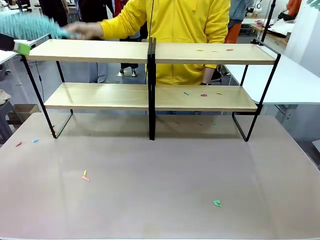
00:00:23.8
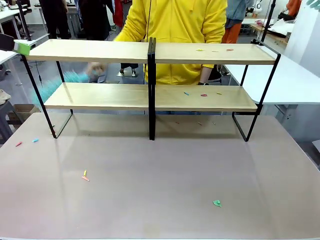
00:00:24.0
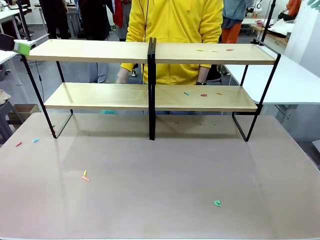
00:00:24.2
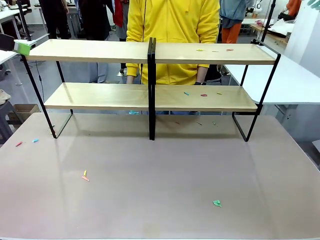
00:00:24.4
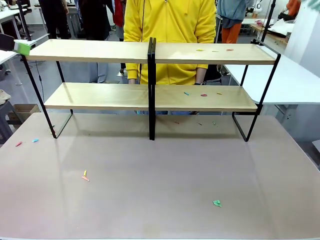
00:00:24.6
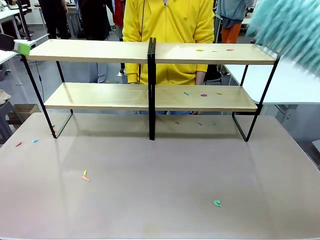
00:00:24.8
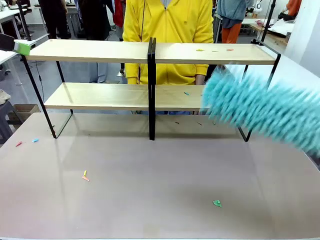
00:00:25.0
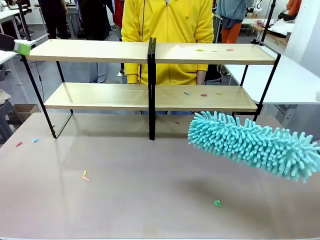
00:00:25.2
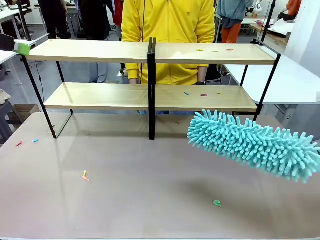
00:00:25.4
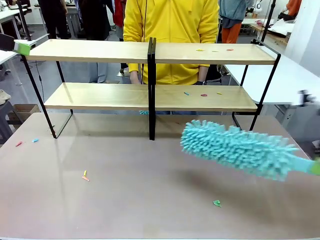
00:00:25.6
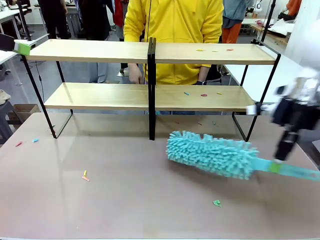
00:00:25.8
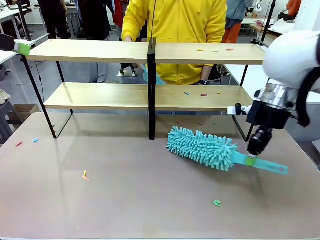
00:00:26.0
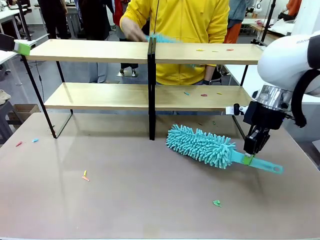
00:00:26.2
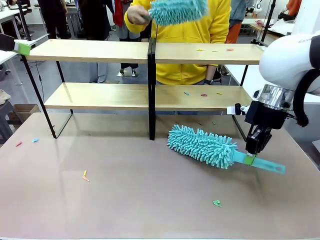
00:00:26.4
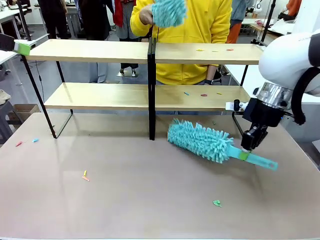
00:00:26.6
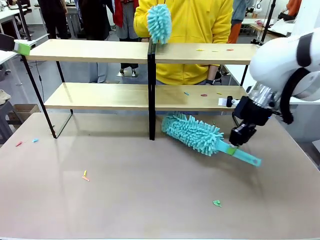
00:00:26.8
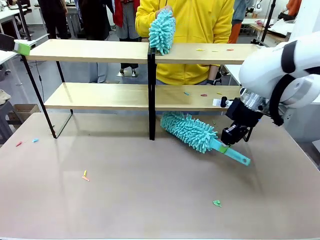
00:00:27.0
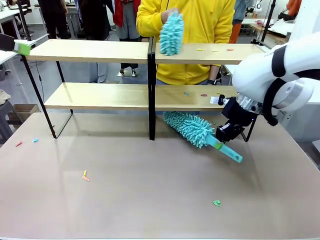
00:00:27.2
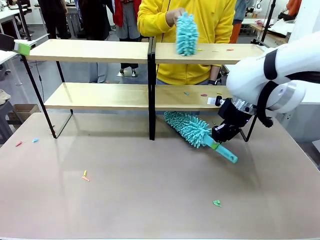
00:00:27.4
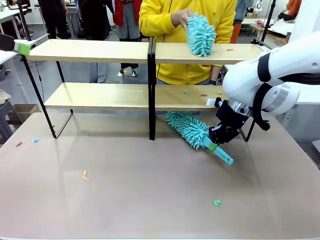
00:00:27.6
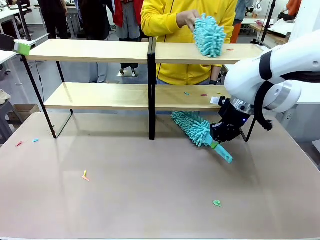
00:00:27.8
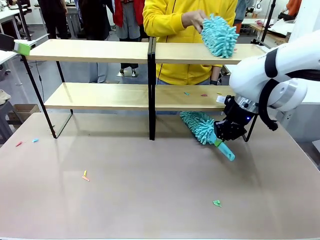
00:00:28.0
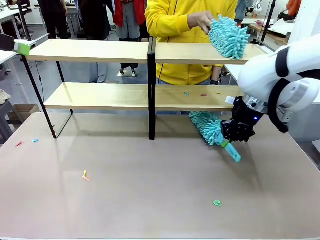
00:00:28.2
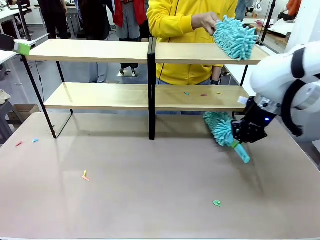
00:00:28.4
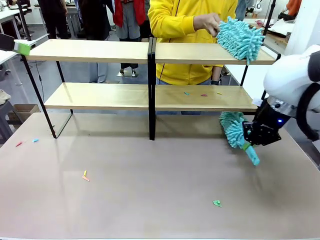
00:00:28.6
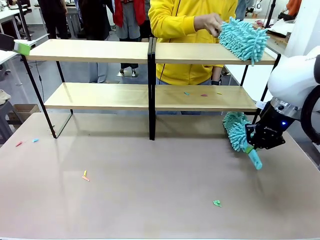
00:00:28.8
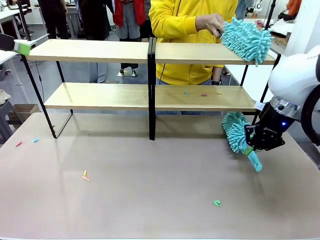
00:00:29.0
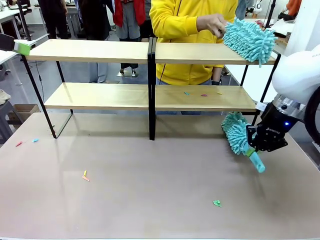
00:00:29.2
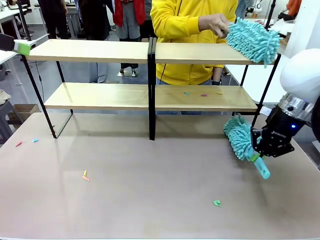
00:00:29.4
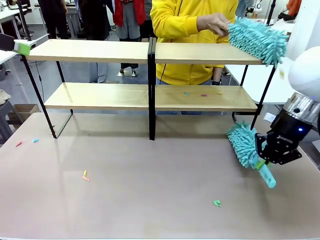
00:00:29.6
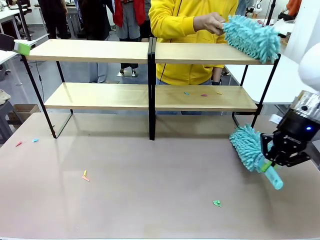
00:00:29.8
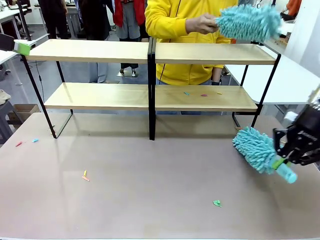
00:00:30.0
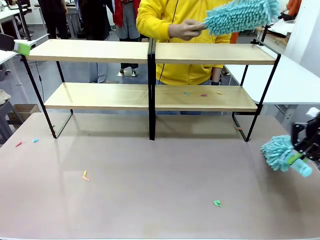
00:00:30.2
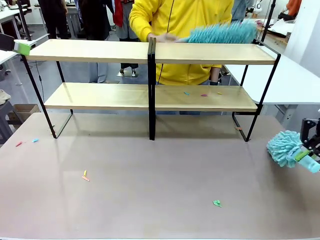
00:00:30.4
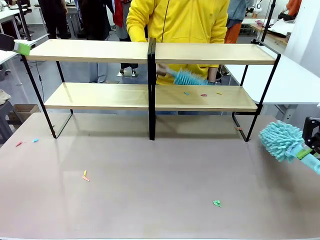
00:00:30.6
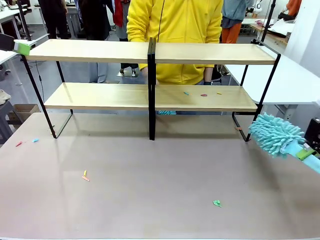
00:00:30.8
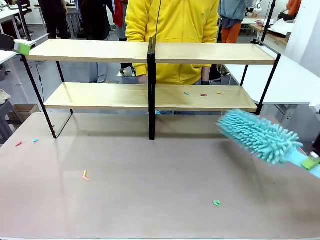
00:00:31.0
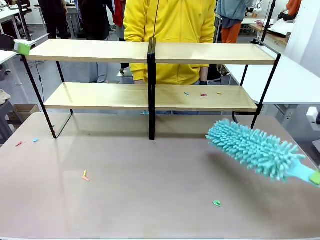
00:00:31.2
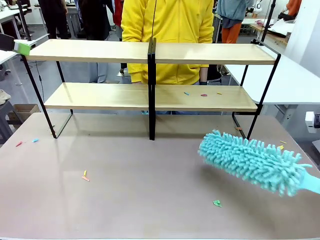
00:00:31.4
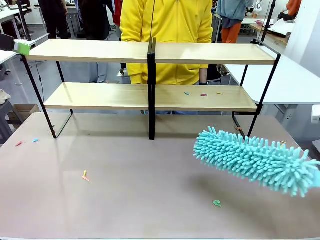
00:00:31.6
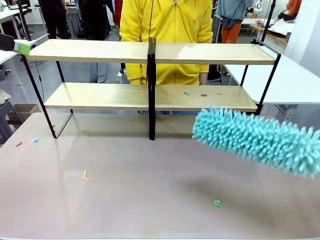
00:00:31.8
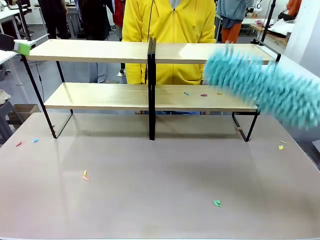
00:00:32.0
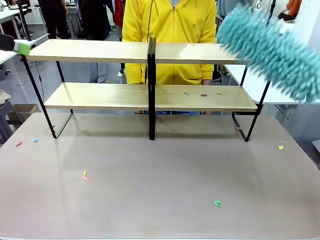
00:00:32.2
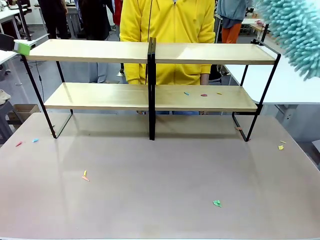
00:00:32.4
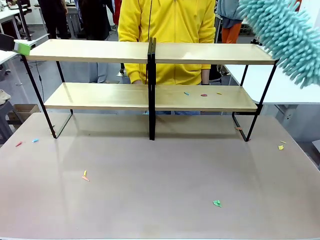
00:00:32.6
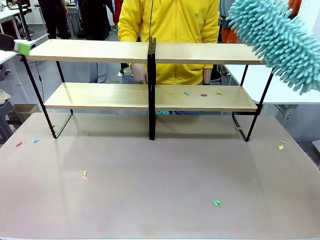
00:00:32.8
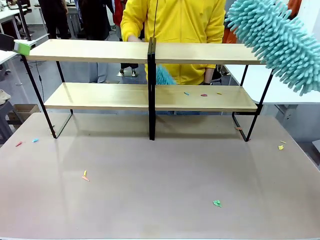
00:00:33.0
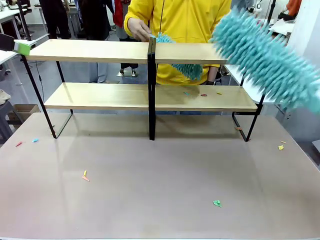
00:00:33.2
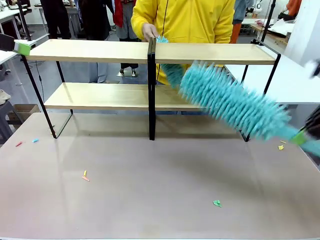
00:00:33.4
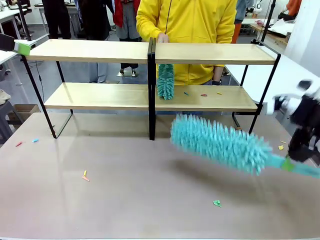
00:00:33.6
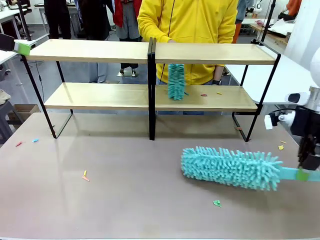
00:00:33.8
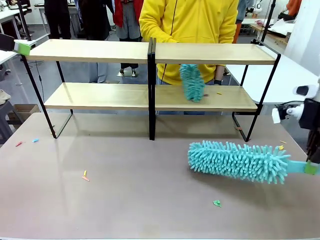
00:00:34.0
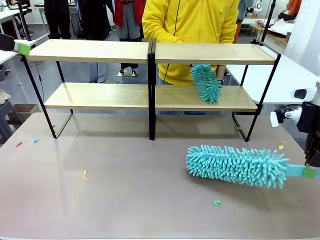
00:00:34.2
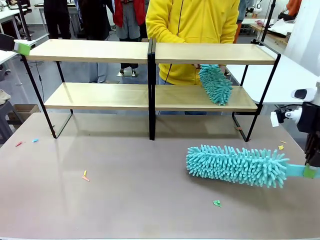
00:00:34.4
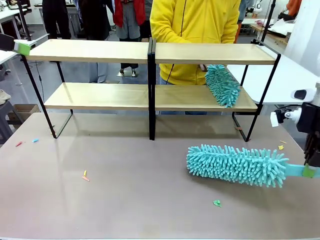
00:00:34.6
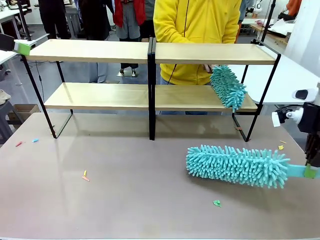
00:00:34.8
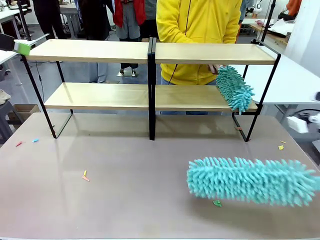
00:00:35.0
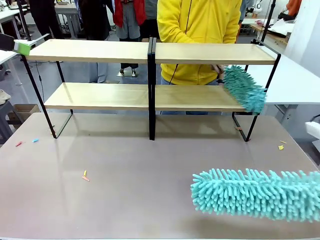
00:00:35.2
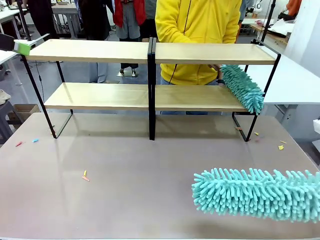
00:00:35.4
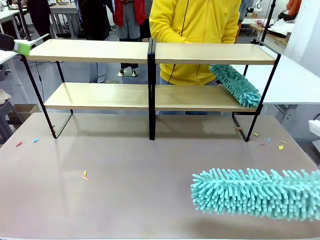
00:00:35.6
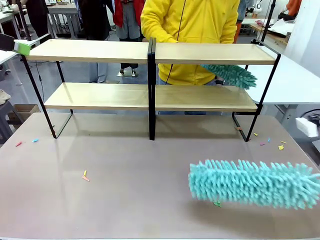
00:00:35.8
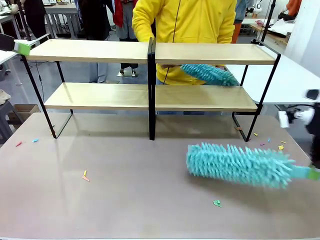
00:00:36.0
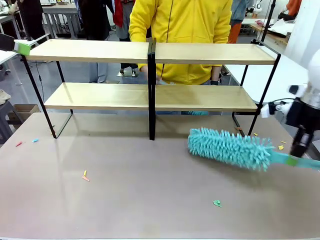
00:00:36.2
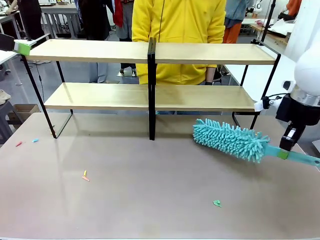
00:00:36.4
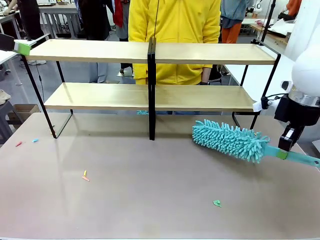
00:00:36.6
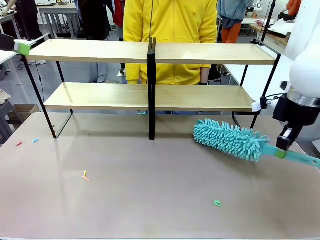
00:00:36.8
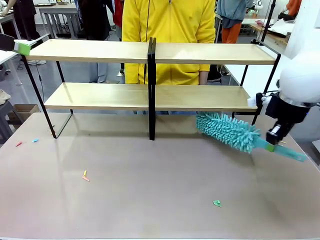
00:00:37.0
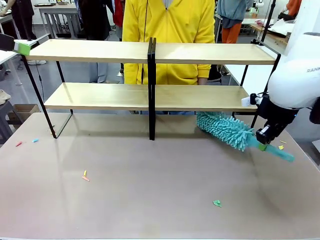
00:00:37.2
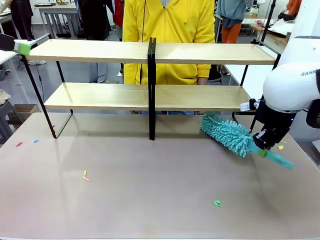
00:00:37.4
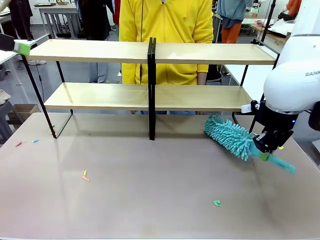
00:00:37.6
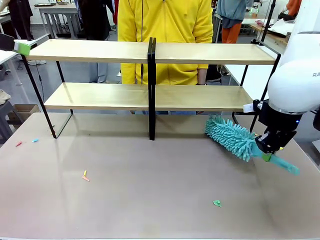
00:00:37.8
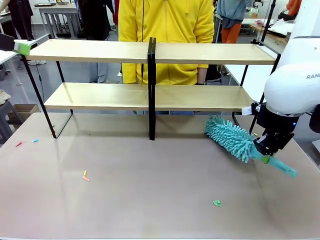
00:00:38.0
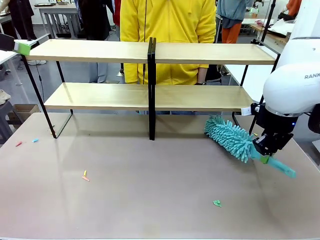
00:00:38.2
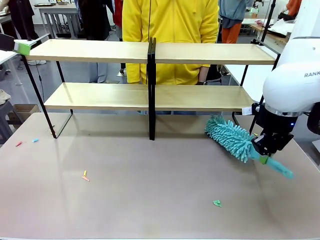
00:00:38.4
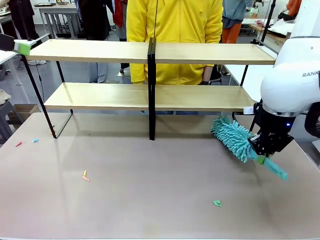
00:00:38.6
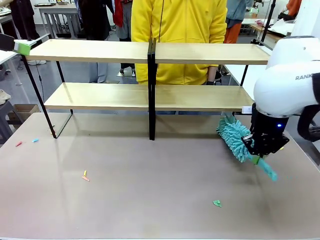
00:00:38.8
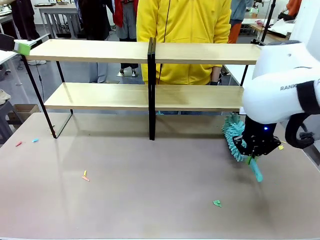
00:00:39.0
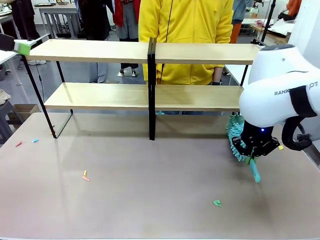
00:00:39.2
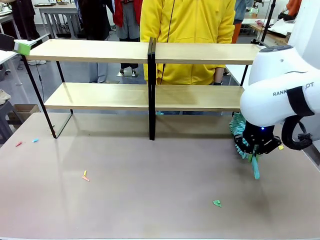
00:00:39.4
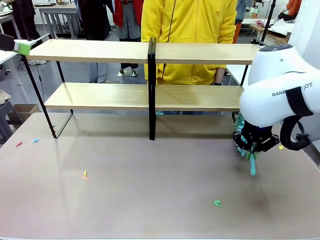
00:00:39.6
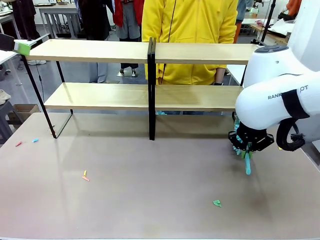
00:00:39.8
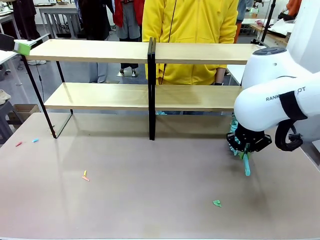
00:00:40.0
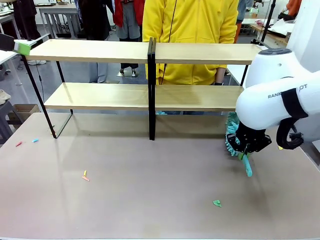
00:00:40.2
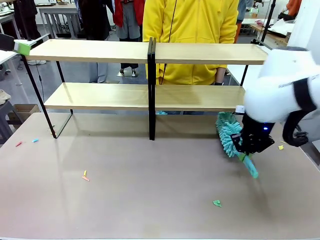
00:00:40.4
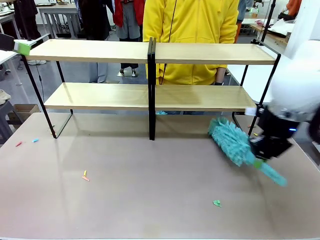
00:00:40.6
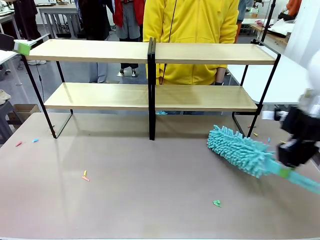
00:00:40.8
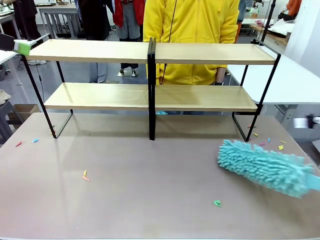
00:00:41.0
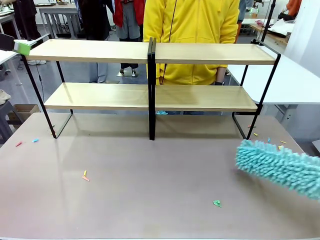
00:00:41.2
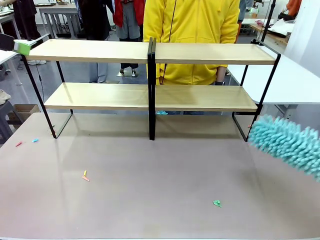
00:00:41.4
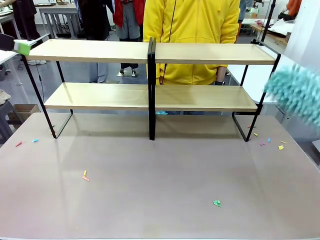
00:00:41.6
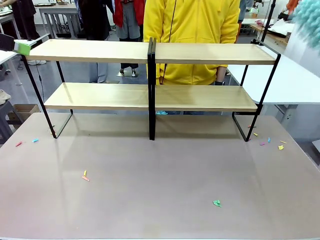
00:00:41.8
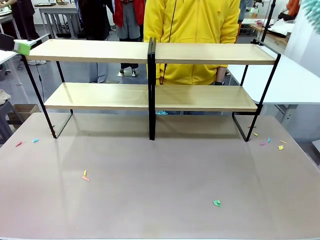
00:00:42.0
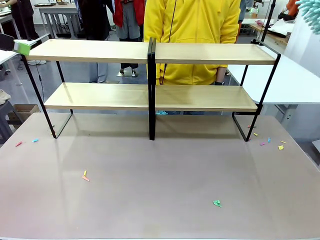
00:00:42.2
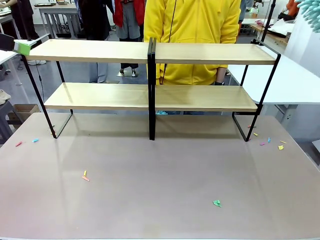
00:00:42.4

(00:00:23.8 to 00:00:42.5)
Task: Clean the shelves.
Robot: Clean another randomly selected level of the Shelf with the Duster.
Person: Clean a randomly selected level of the Shelf with the Duster.

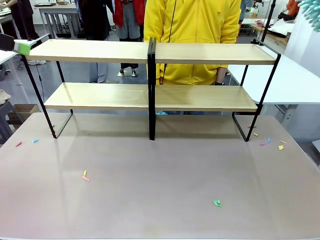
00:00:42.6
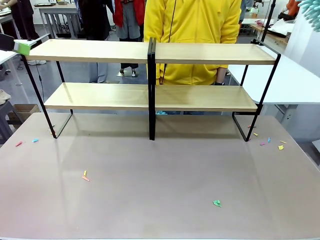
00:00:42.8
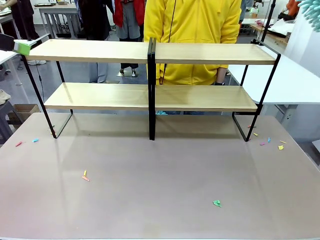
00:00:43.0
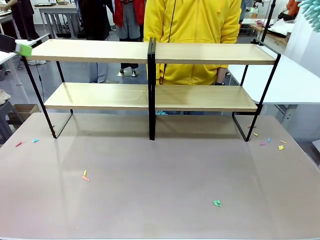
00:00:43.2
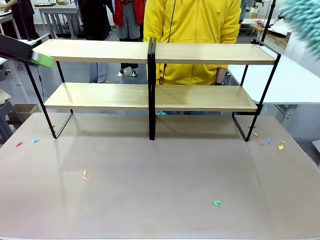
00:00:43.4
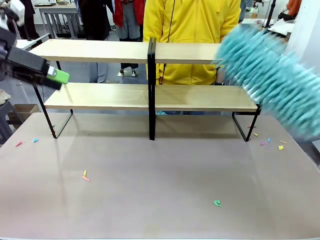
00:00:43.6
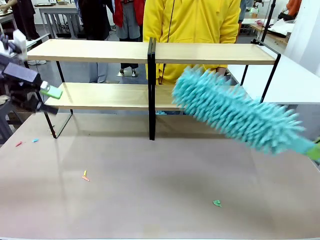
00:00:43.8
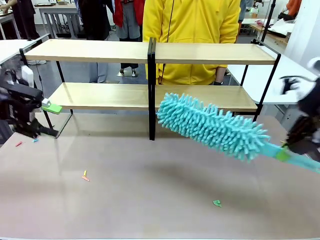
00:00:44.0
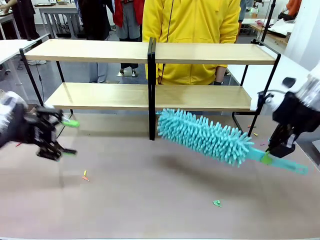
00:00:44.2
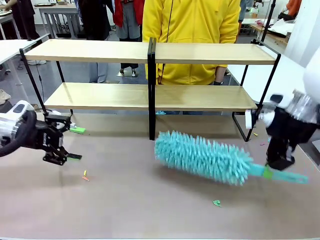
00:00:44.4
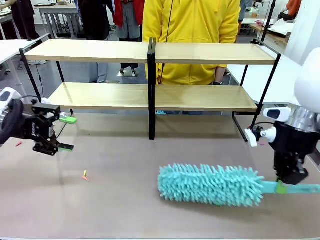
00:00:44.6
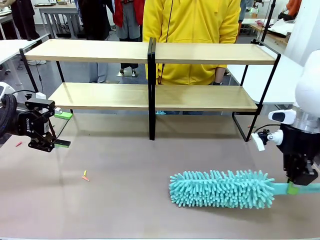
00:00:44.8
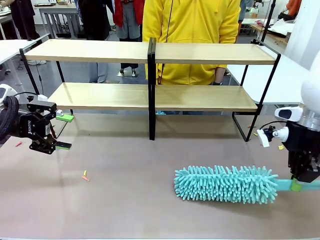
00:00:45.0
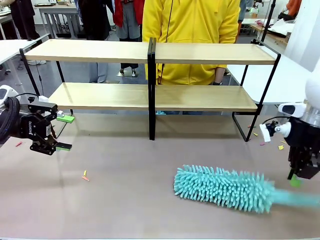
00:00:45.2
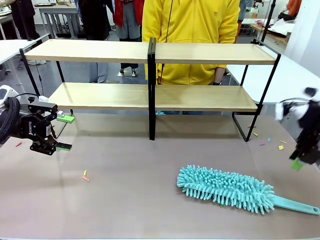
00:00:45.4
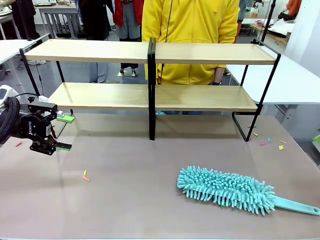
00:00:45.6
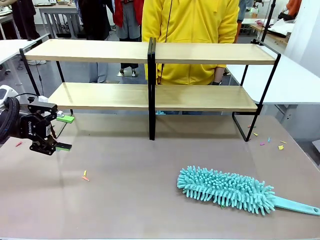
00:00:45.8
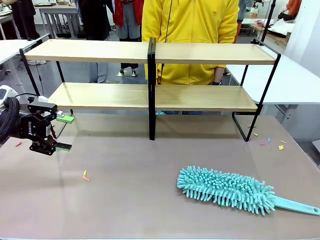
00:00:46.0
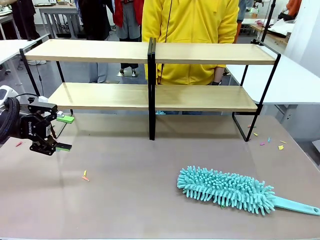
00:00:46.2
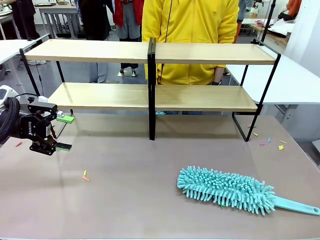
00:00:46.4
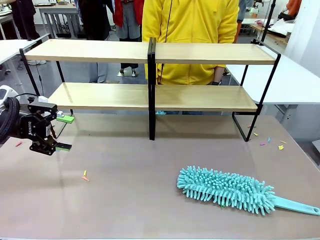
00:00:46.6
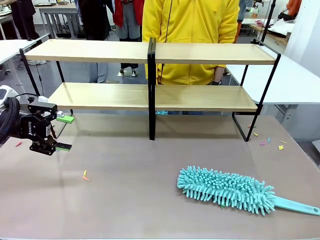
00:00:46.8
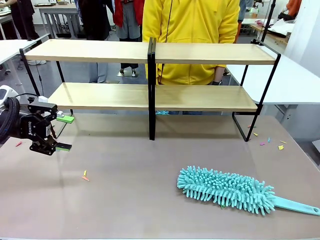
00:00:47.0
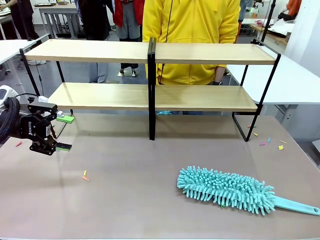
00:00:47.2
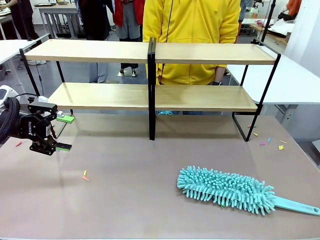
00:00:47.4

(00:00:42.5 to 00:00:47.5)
Robot: Place the Duster on the table.
